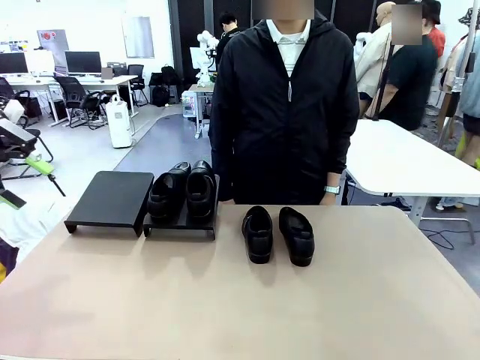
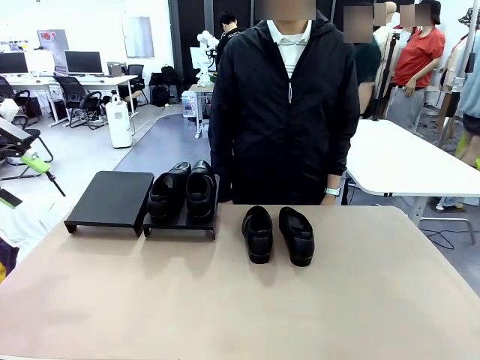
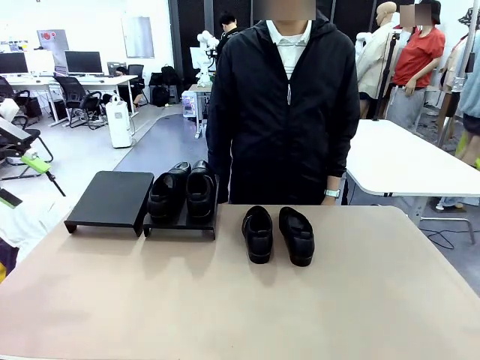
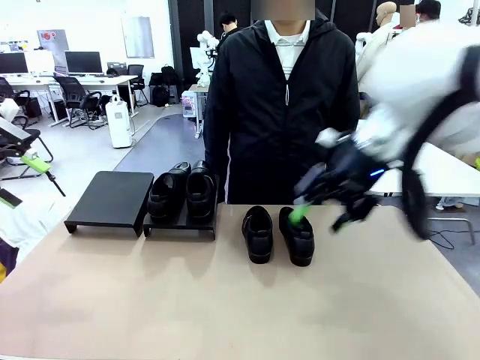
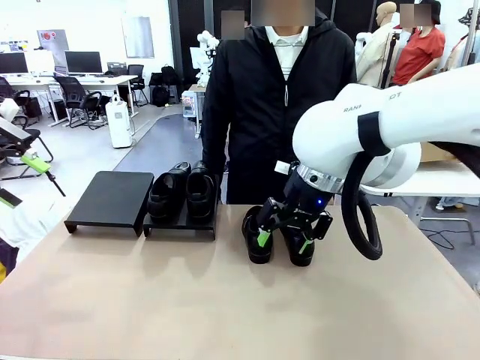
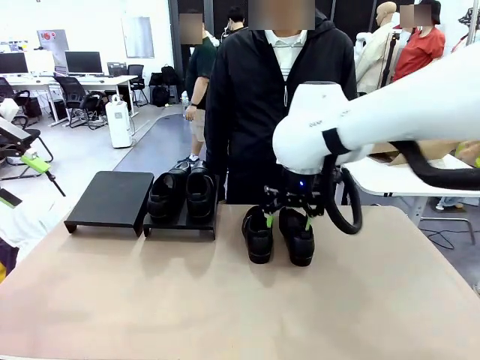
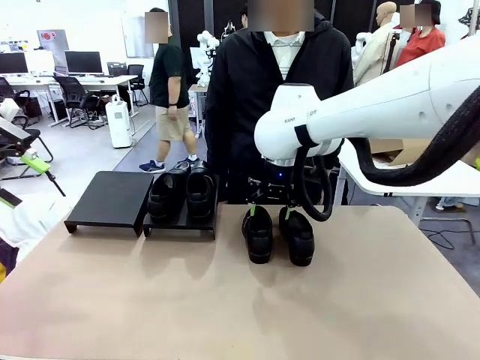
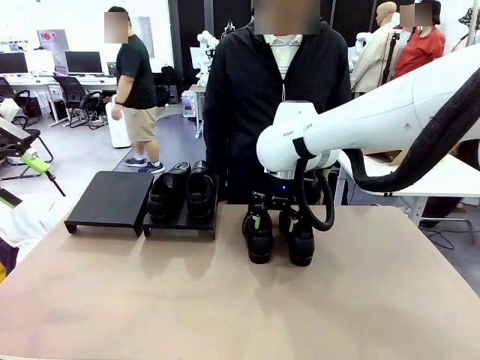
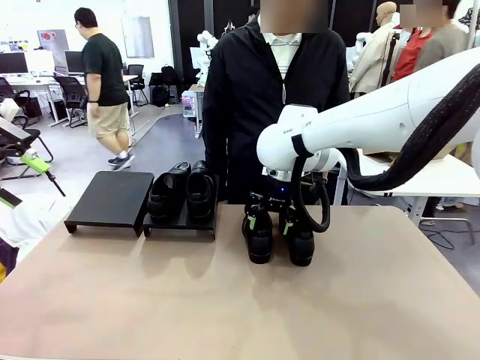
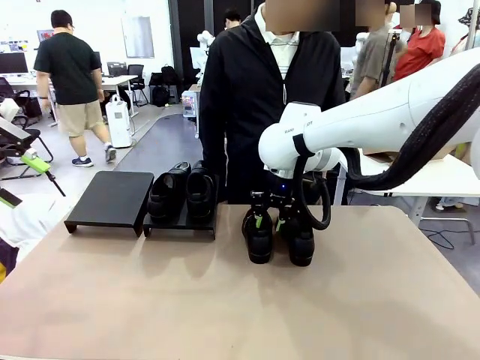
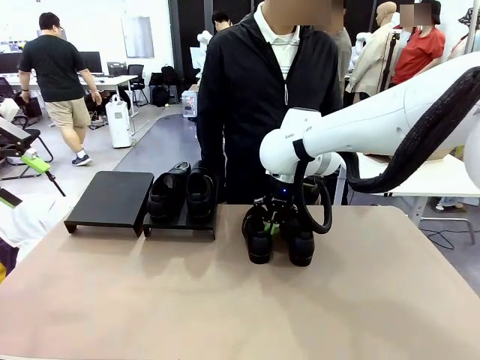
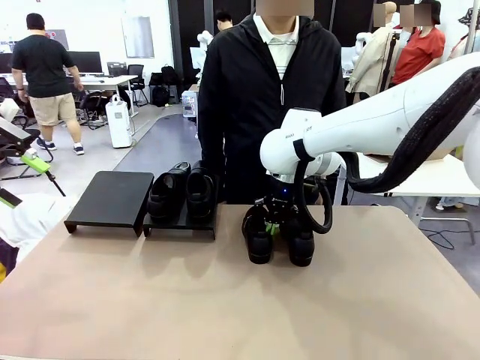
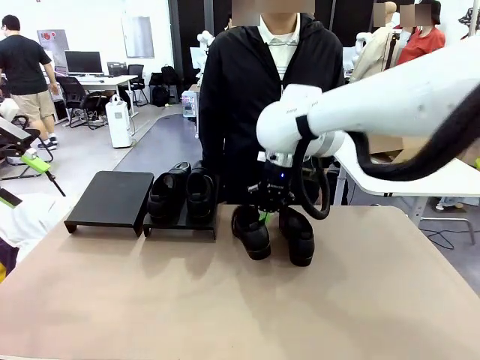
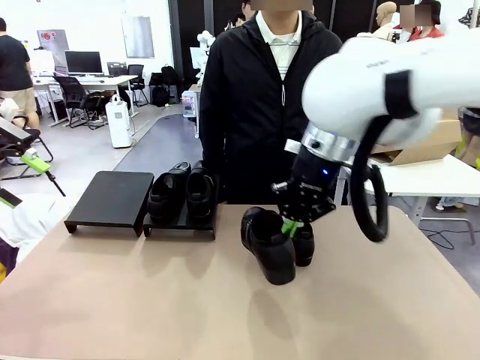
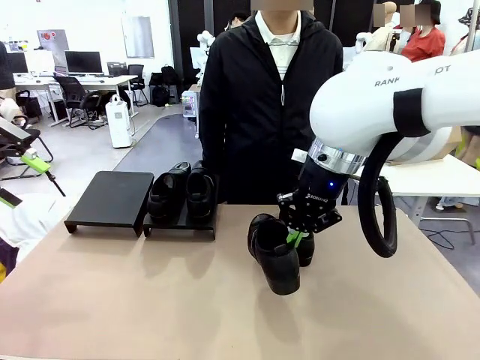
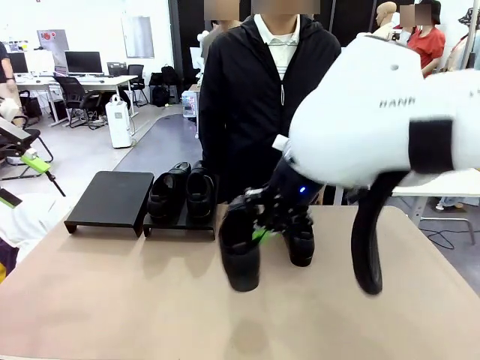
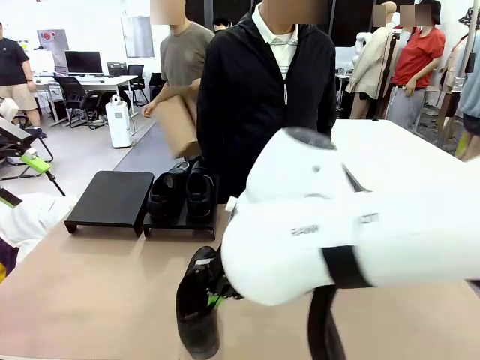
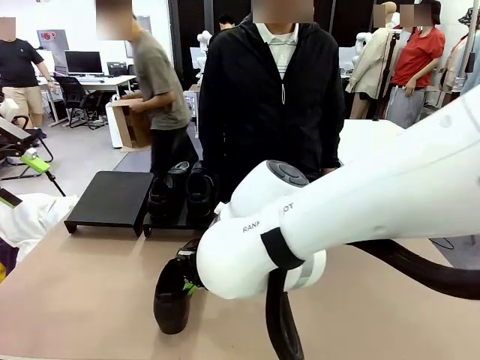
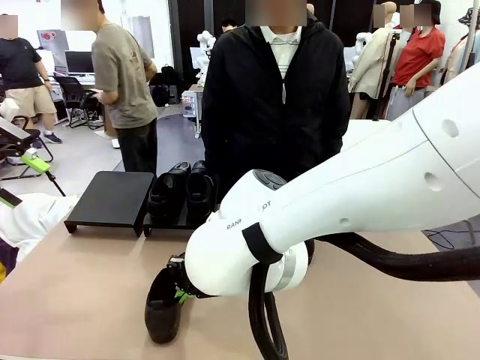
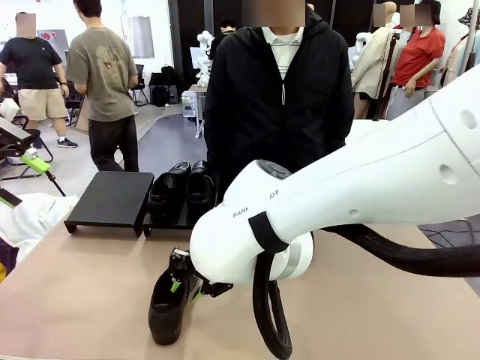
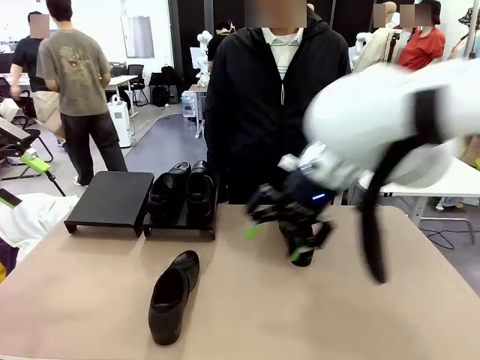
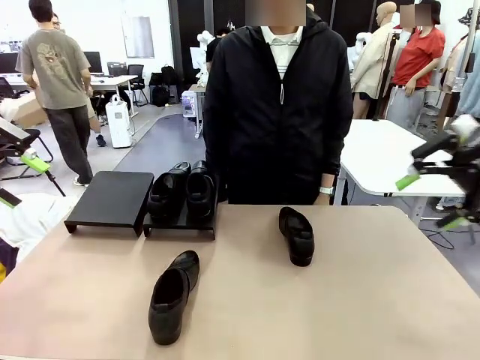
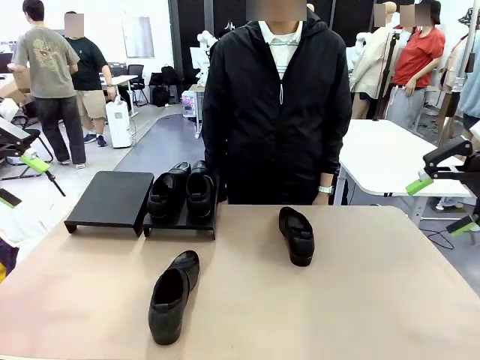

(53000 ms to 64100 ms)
Task: Organize the shoes by placing them on the stand.
Robot: Pick up one Shoe and place it in the middle of the table.

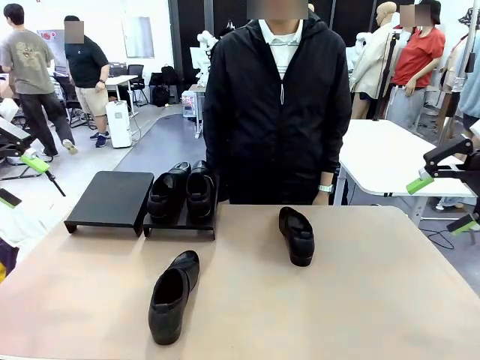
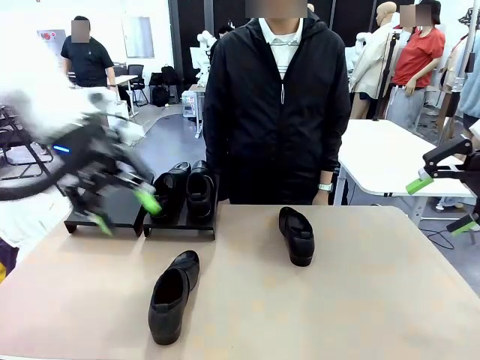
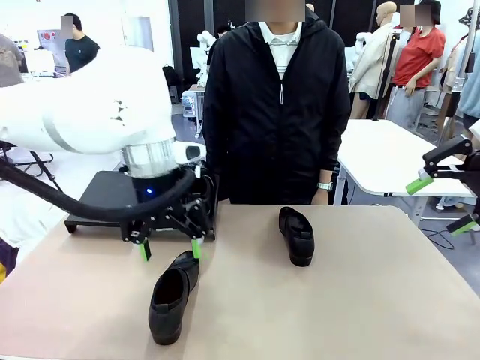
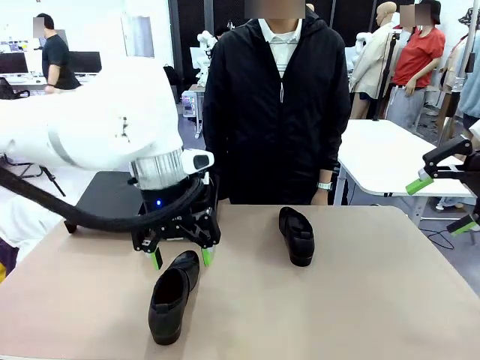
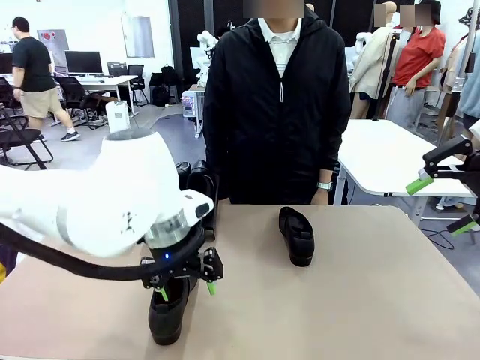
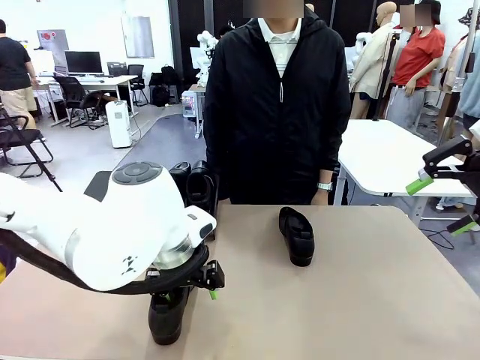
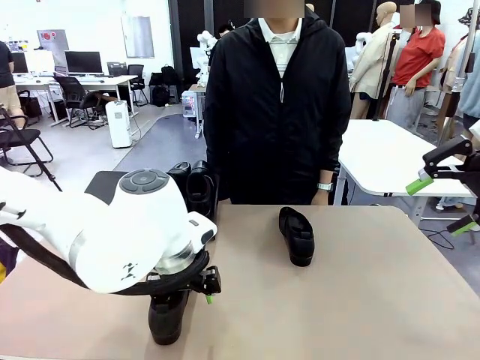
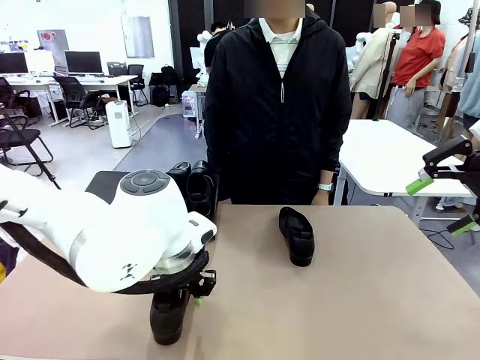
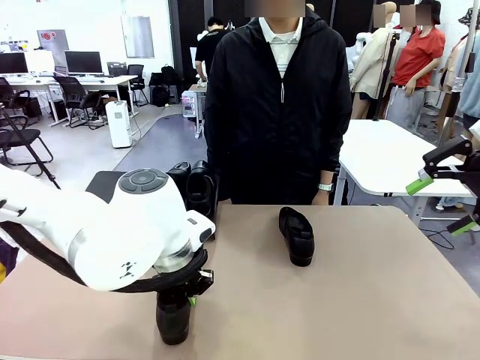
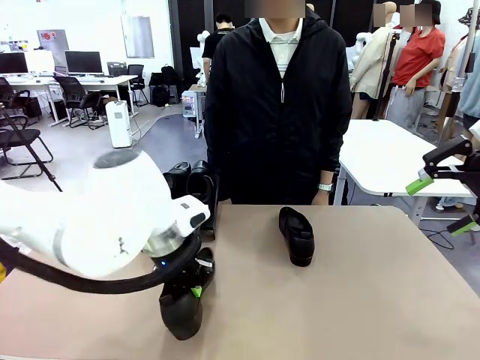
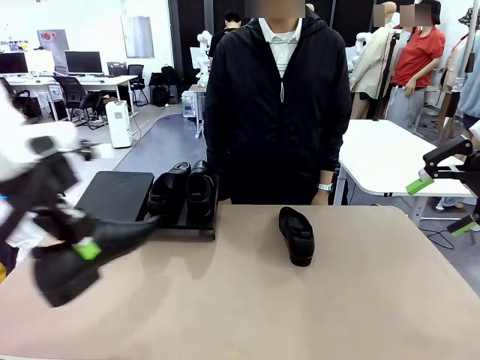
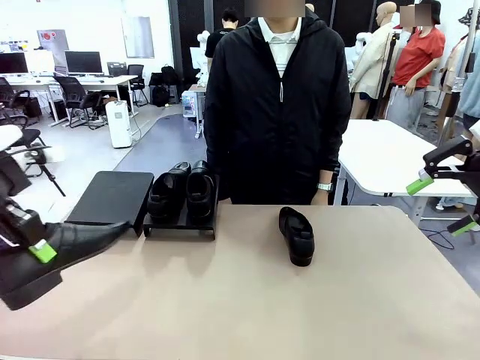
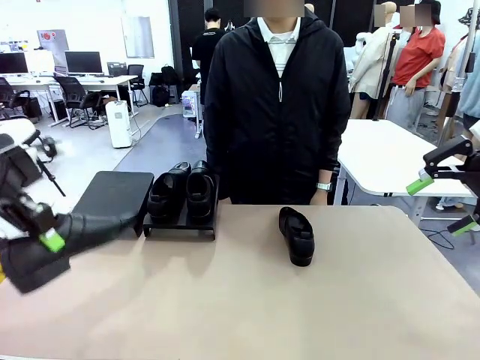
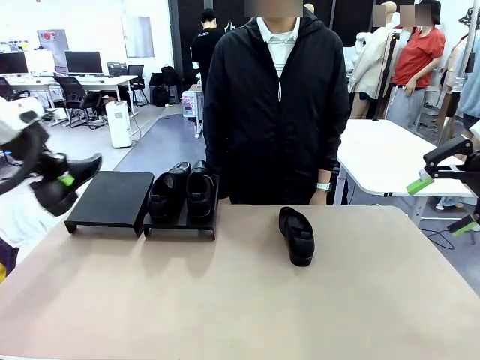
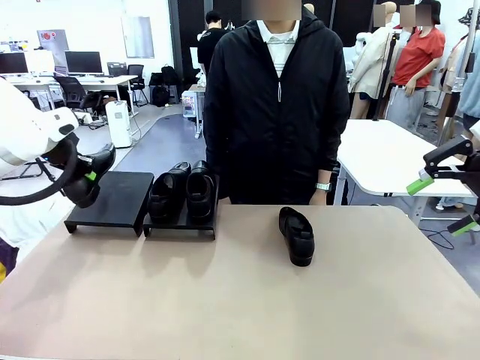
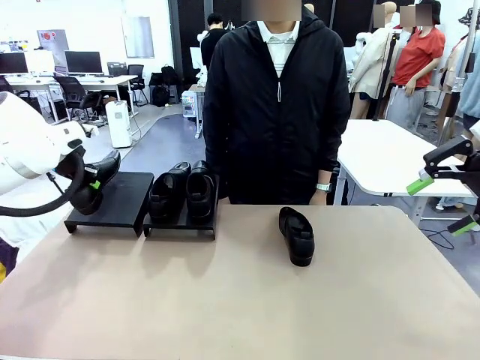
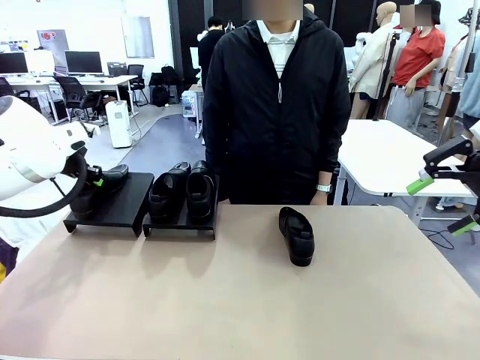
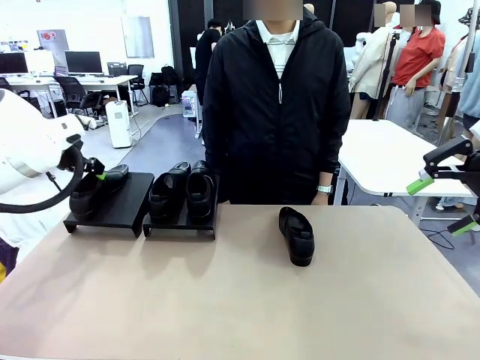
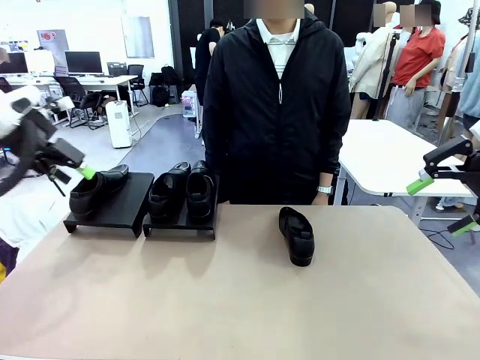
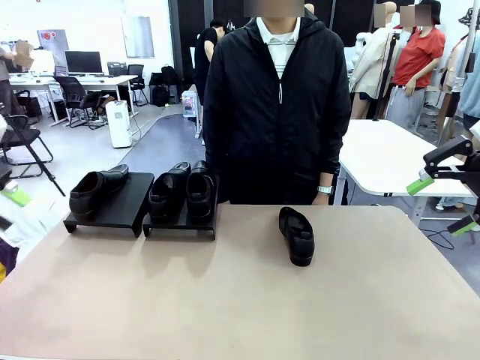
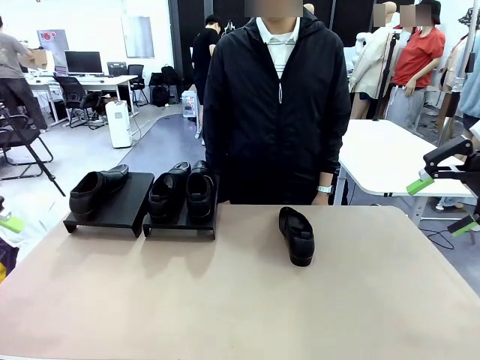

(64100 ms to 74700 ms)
Robot: Place the Shoe from the middle of the table onto the Shoes Stand.

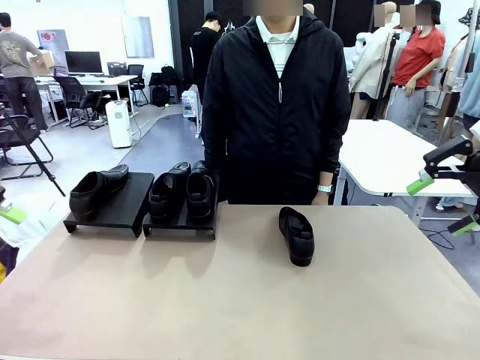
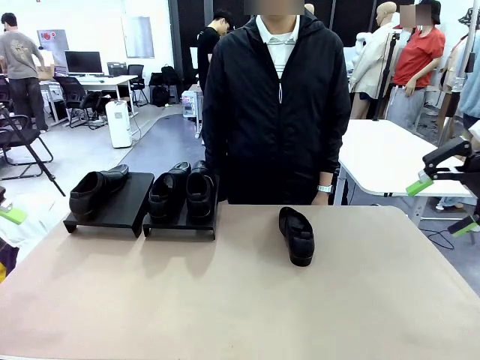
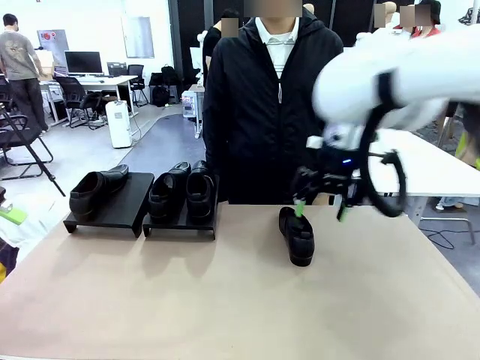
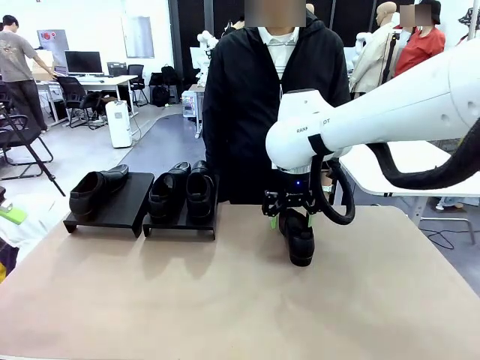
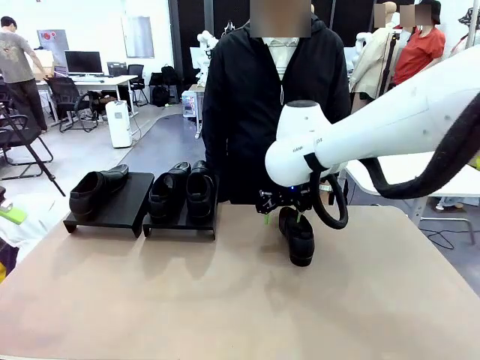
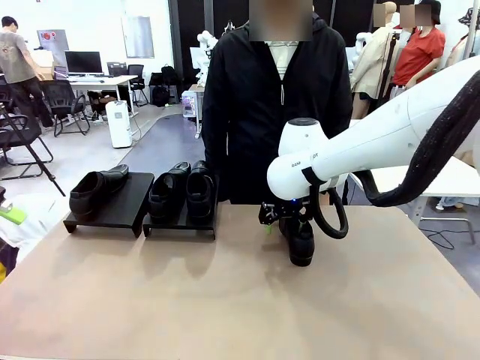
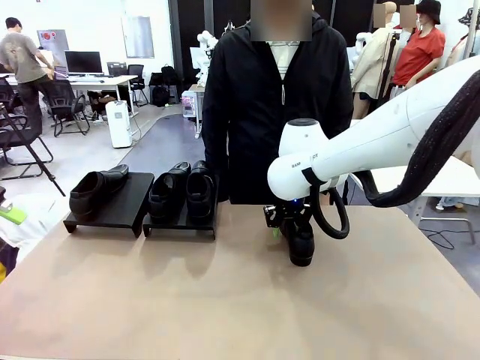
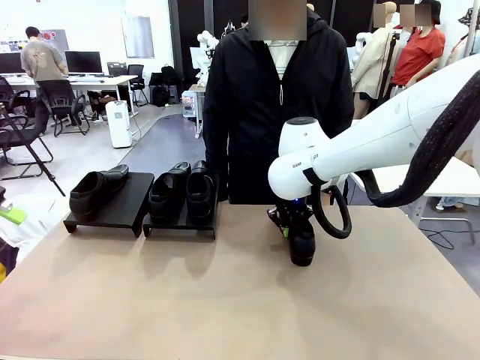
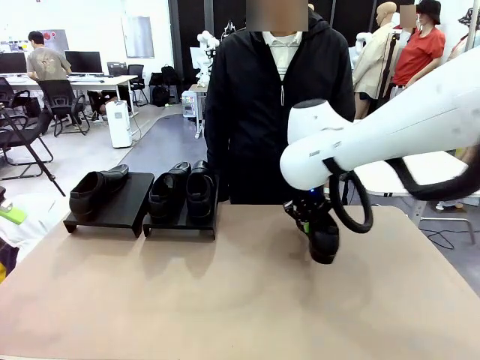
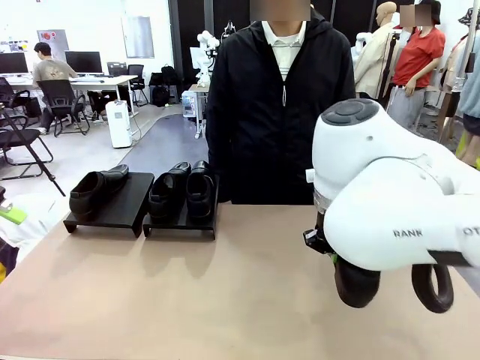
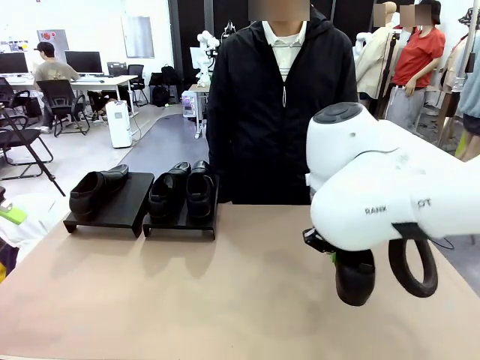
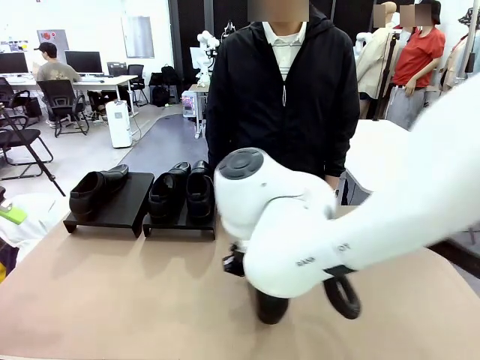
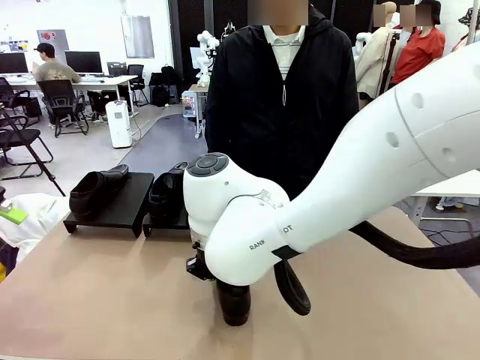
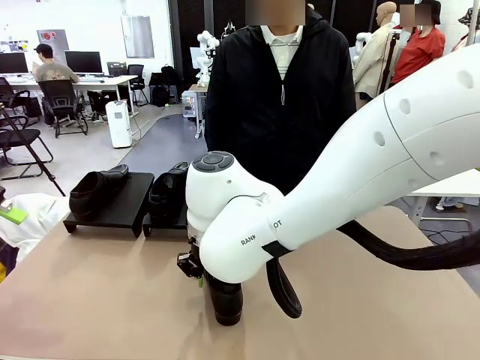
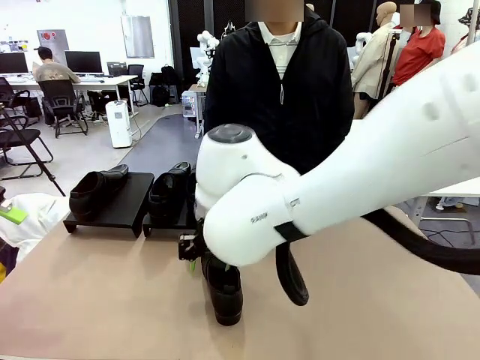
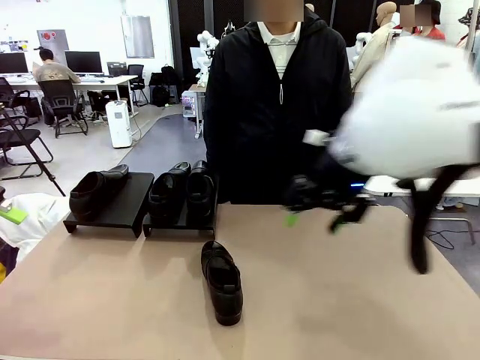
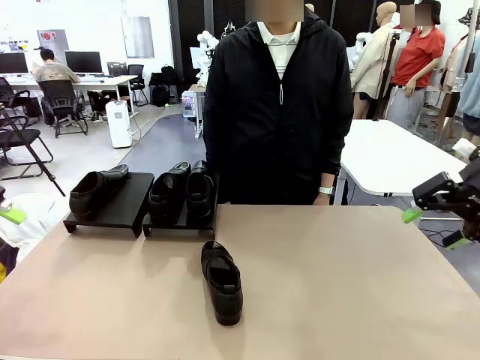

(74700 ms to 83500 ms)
Robot: Pick up one Shoe and place it in the middle of the table.
